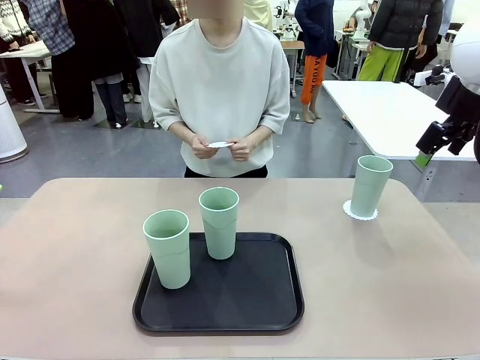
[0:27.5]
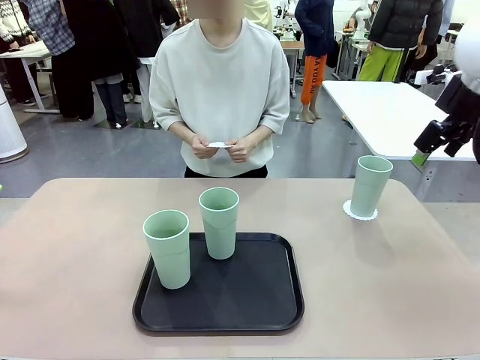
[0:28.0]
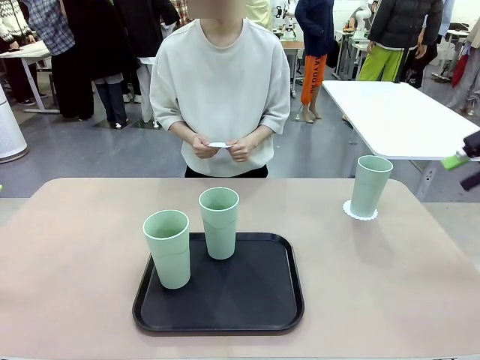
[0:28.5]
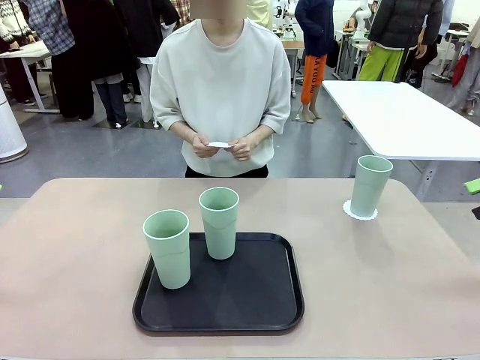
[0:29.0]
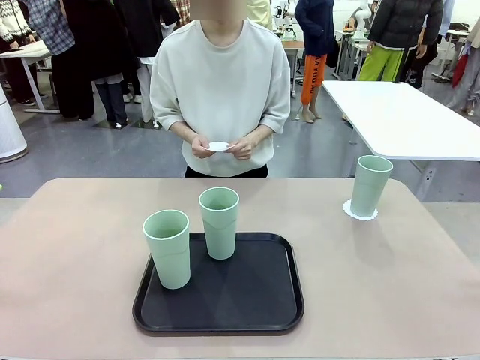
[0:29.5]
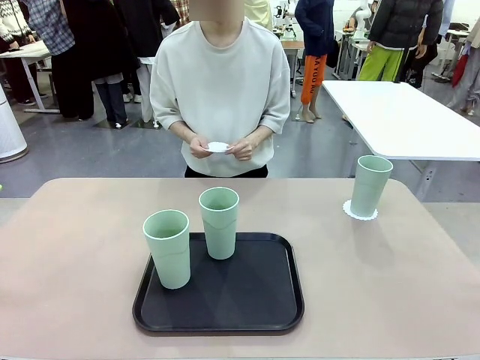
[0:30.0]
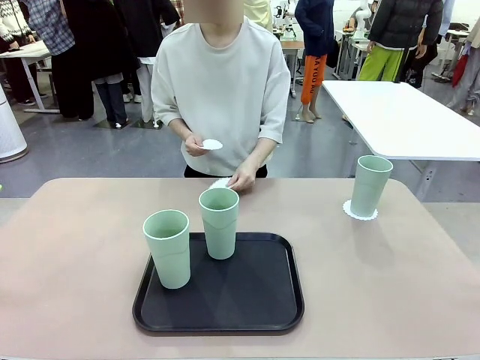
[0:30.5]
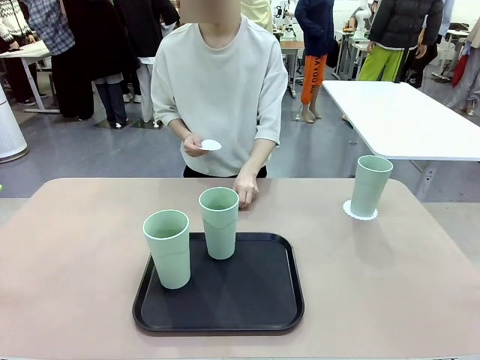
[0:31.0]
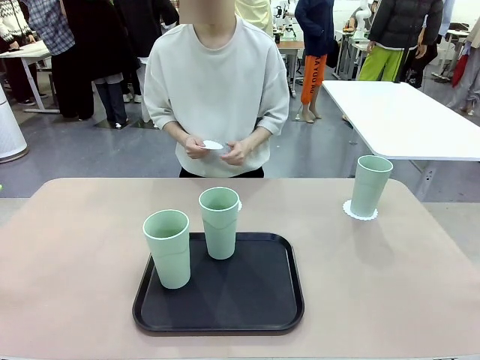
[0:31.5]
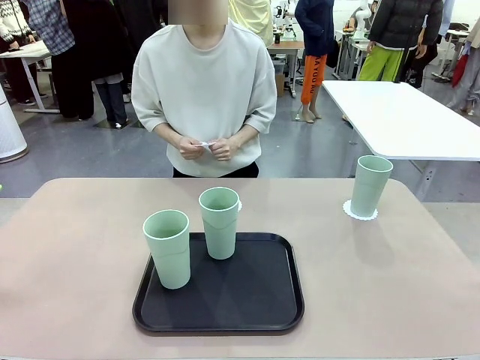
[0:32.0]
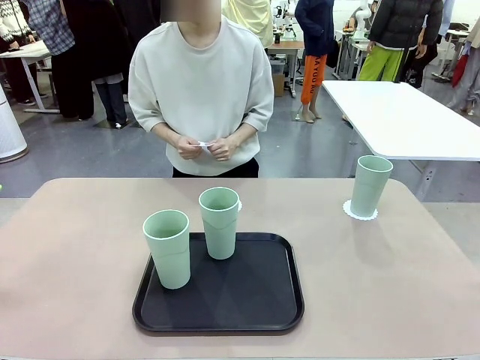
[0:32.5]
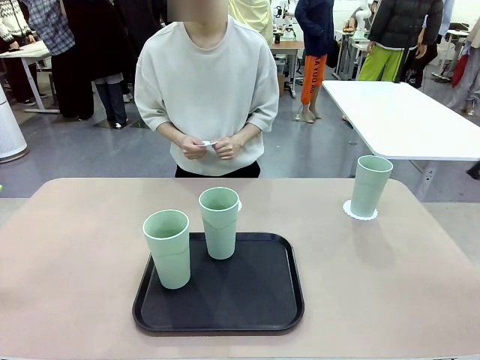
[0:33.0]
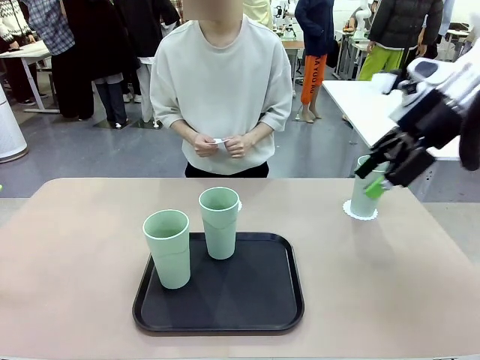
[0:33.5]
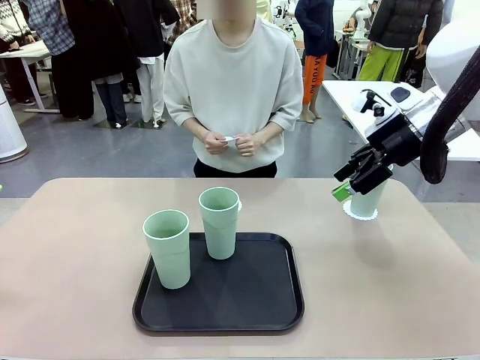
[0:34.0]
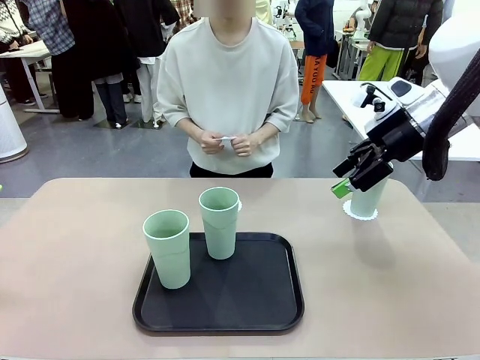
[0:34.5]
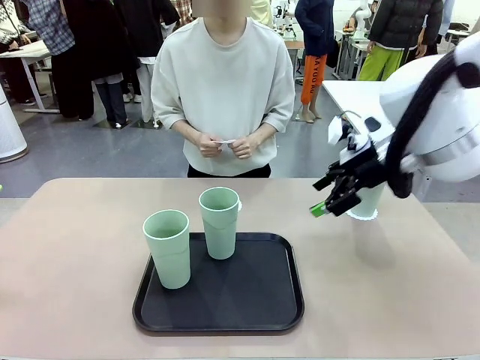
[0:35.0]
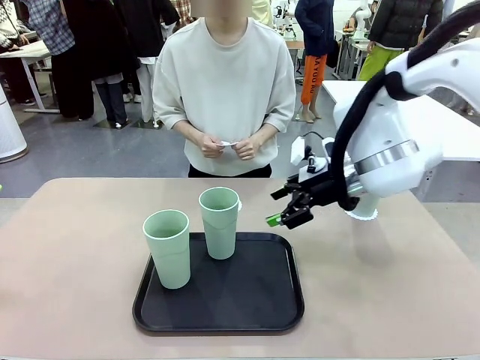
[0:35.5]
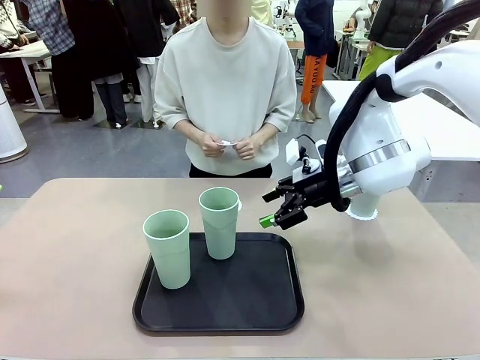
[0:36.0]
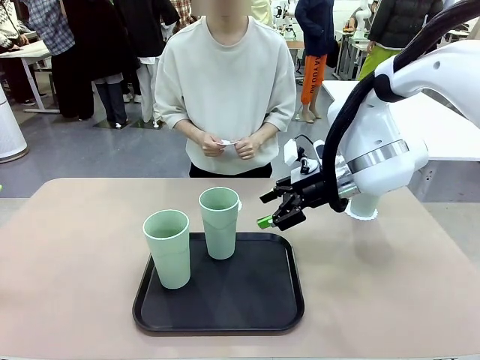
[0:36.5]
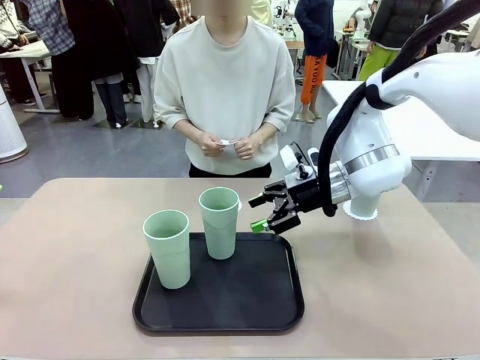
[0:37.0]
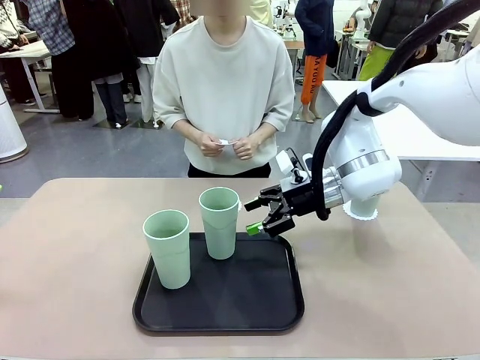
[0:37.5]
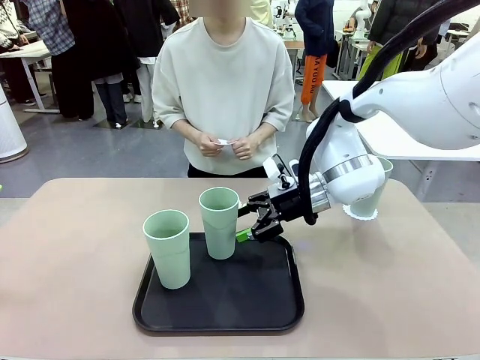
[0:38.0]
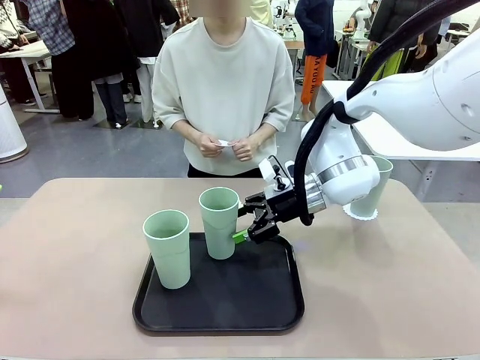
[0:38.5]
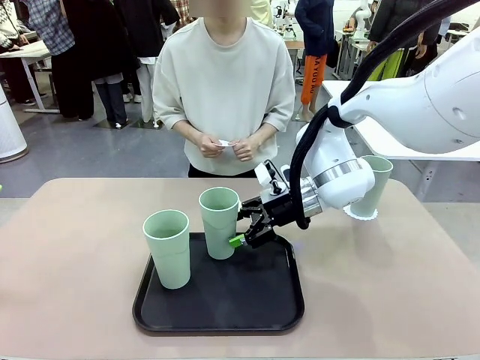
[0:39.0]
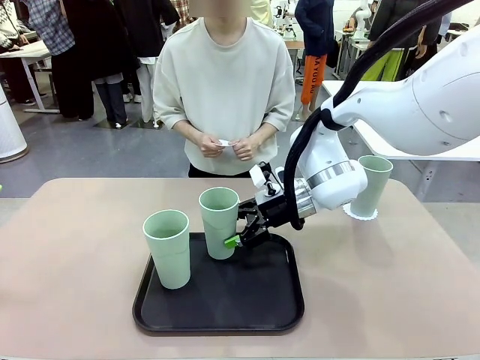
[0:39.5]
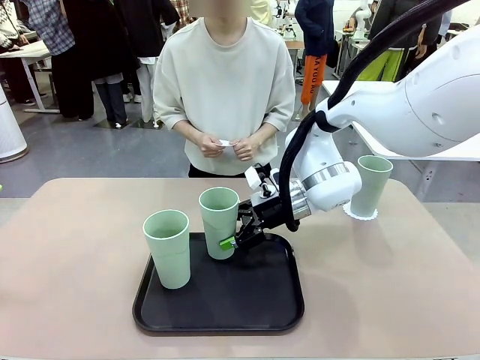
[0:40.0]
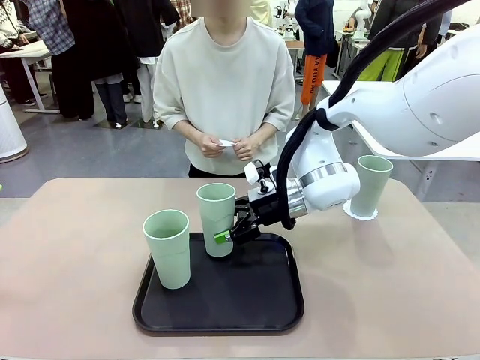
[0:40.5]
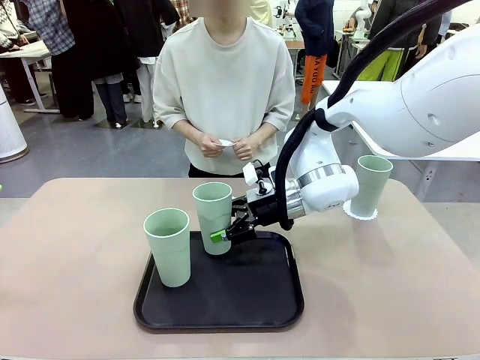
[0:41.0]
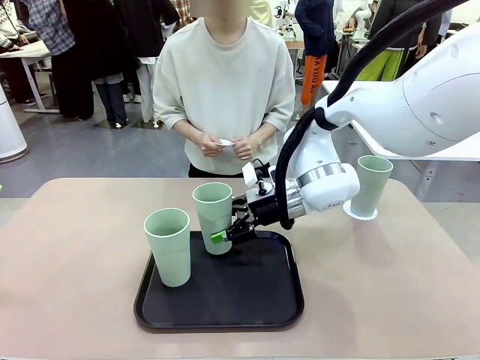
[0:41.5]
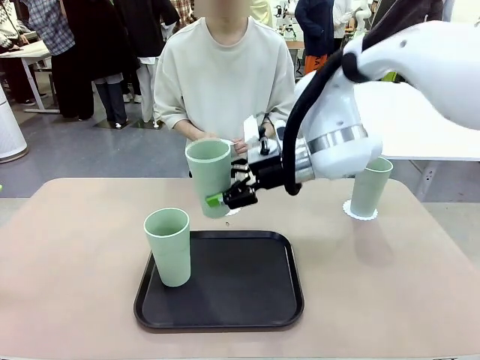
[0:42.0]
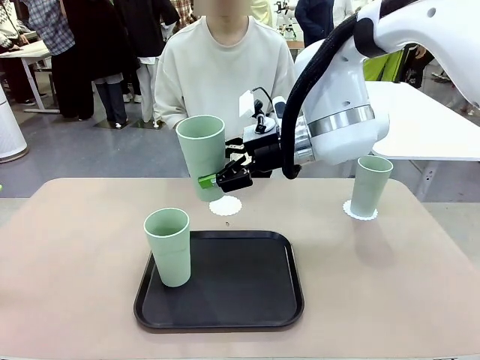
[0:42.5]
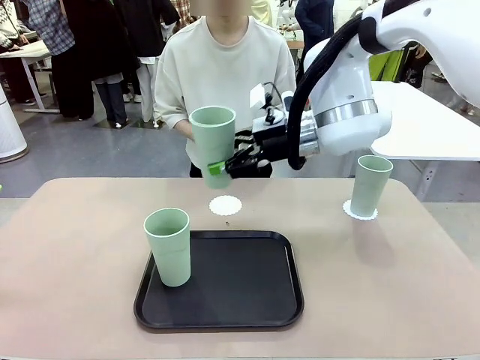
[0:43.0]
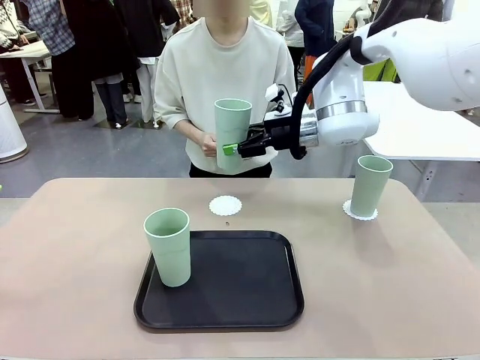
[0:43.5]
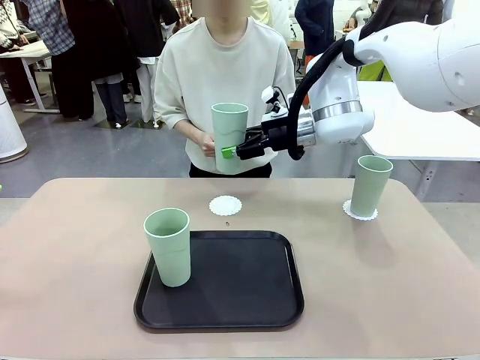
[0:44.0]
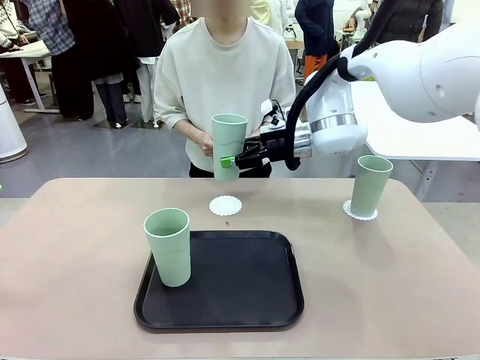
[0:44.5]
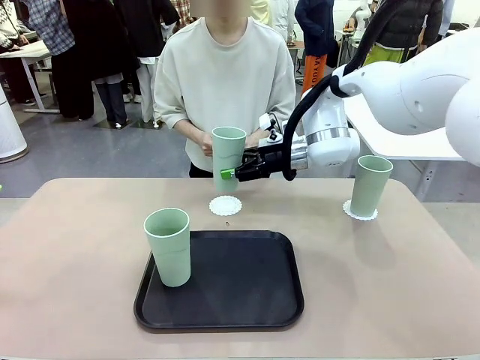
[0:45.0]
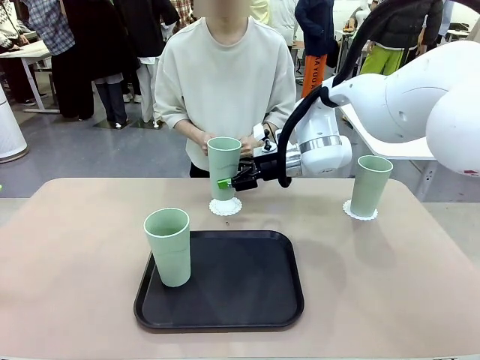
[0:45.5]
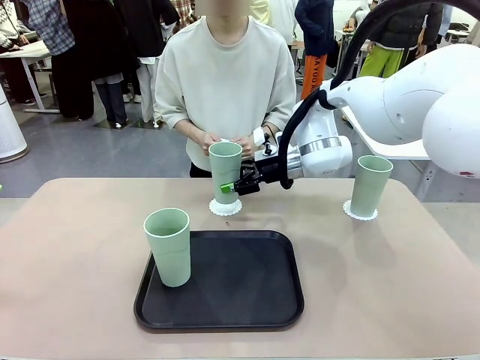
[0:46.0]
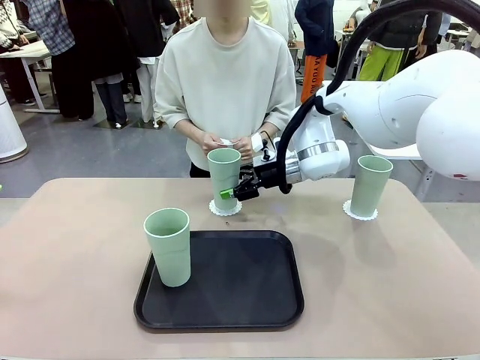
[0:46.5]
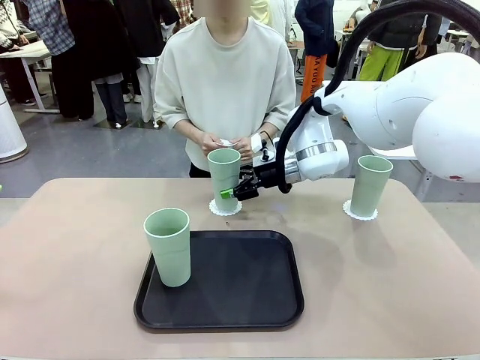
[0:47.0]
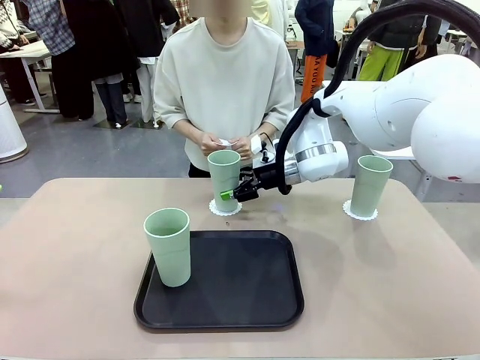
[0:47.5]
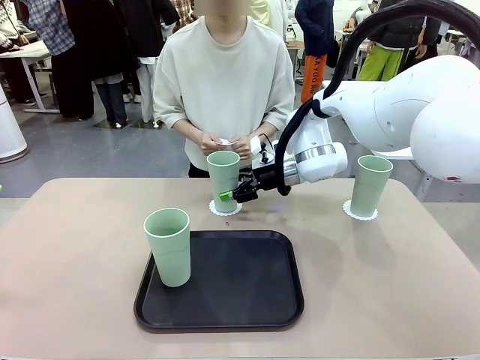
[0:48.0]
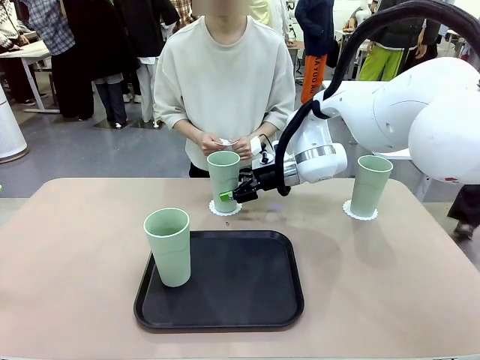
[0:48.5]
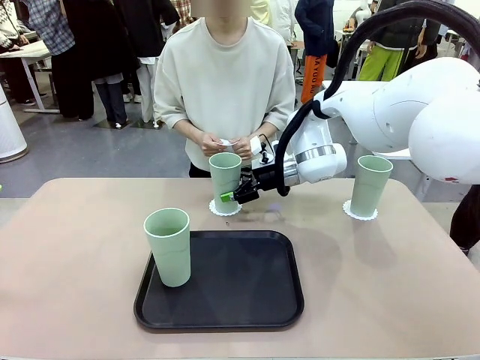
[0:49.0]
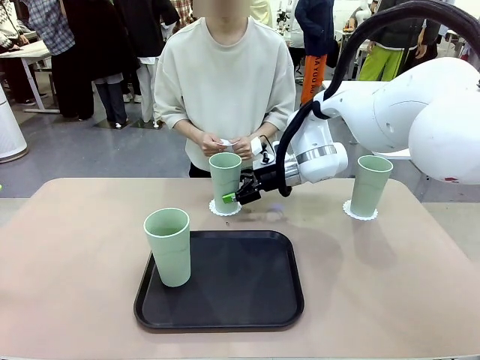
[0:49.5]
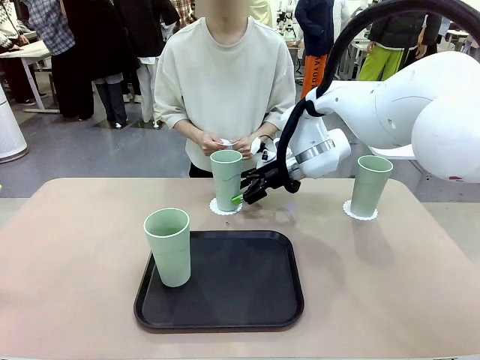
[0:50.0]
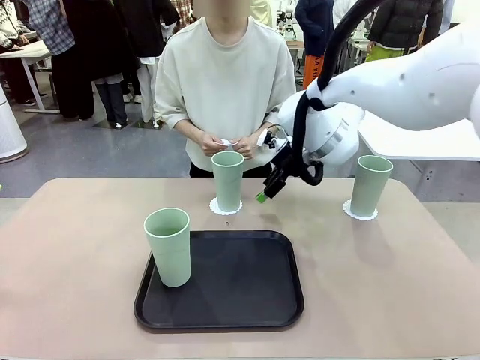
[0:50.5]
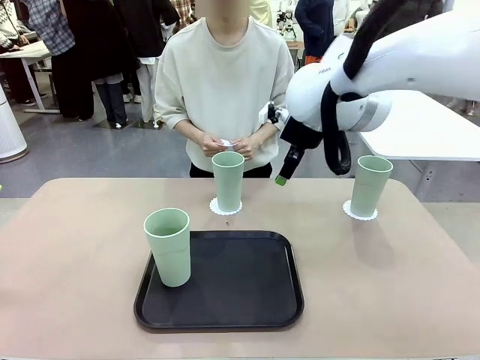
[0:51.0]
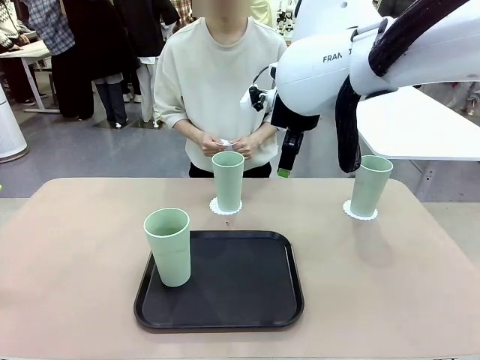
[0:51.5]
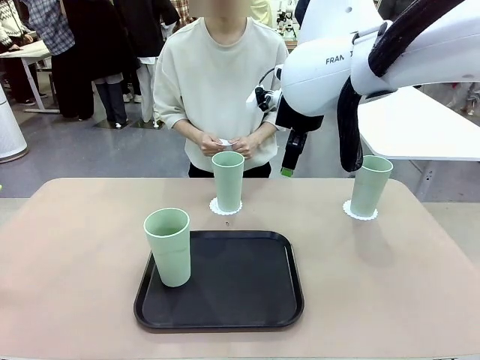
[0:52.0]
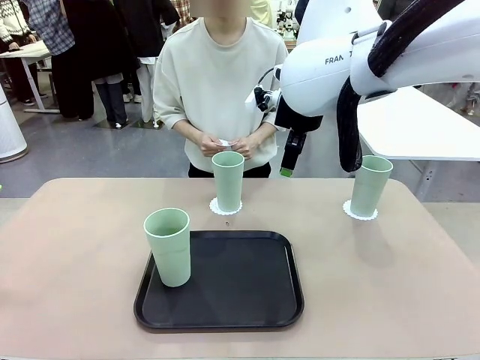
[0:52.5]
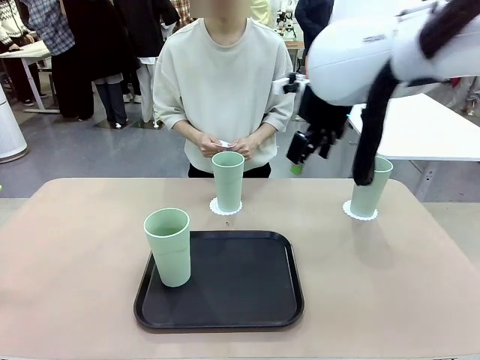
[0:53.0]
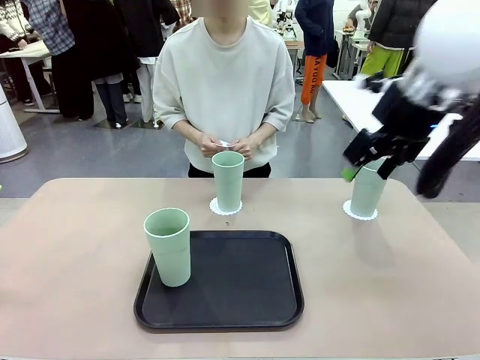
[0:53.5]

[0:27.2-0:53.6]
Task: Place coasters on the table and set cups on them.
Robot: Take one Reusable plastic cup from the Flat Tray and place it on a coaster set by the human.
